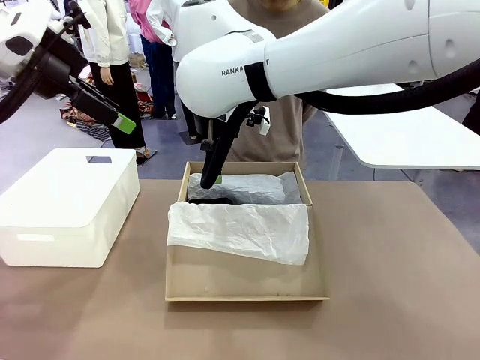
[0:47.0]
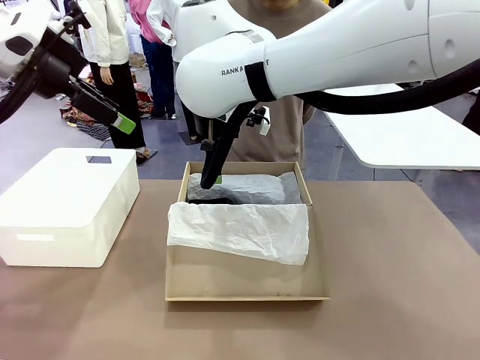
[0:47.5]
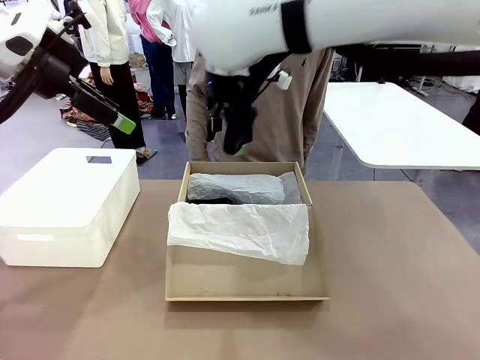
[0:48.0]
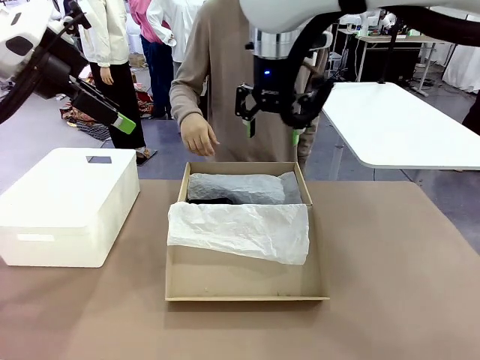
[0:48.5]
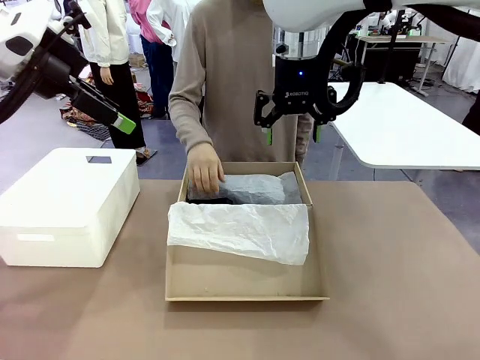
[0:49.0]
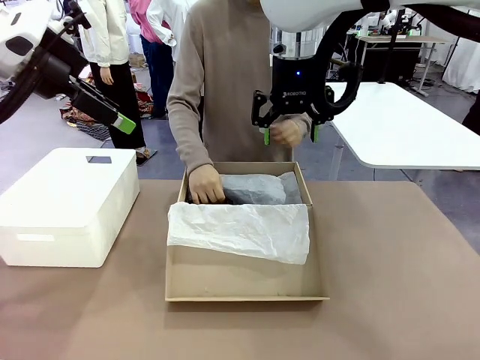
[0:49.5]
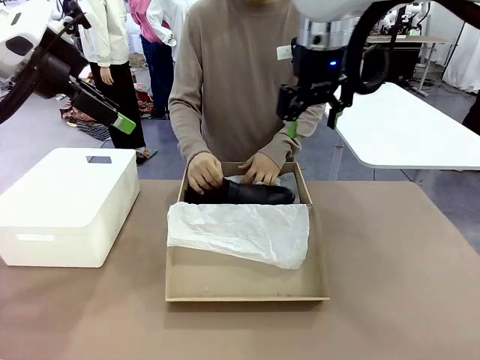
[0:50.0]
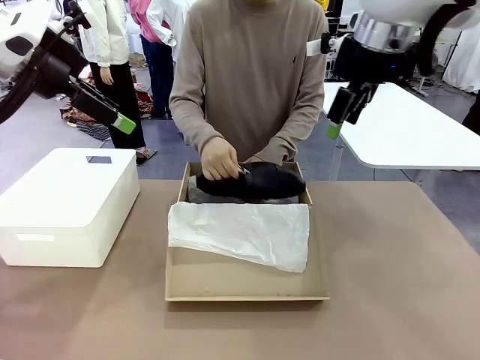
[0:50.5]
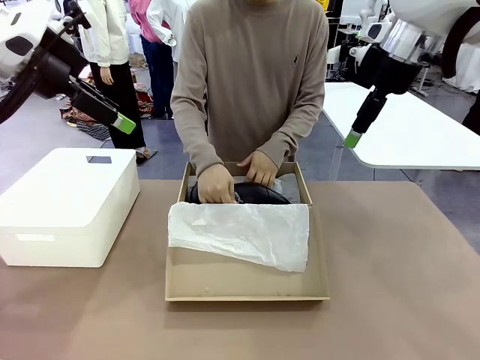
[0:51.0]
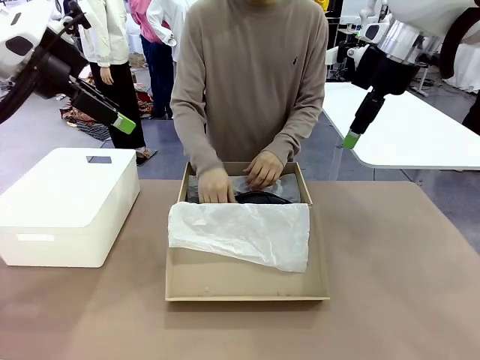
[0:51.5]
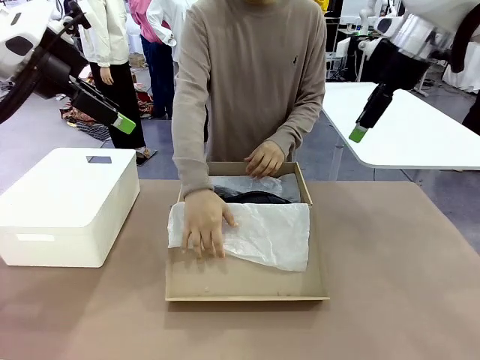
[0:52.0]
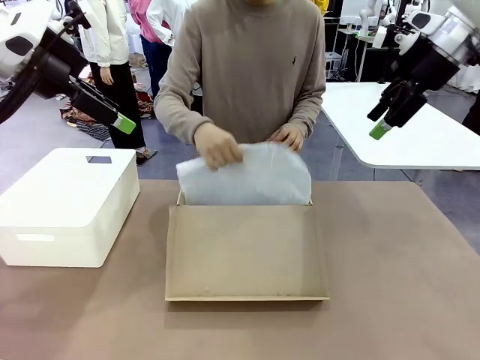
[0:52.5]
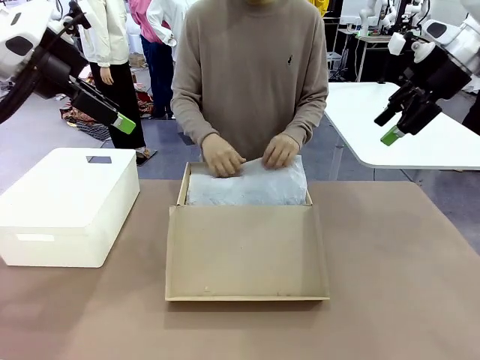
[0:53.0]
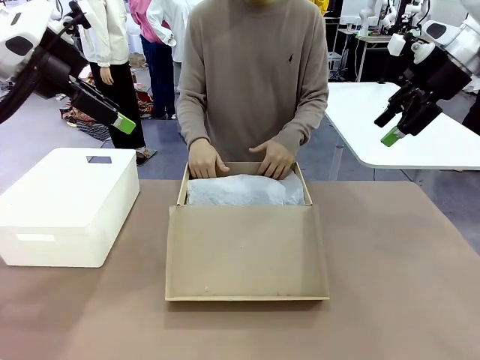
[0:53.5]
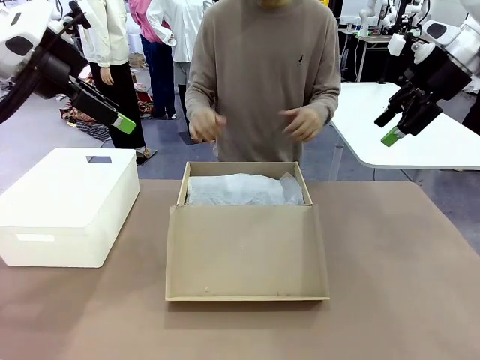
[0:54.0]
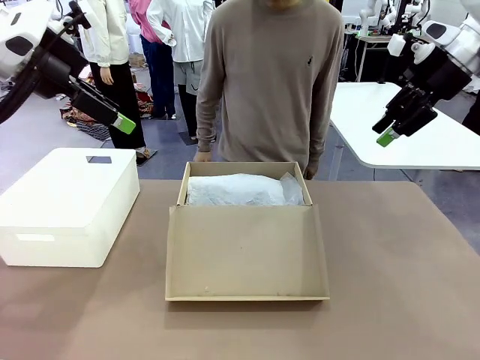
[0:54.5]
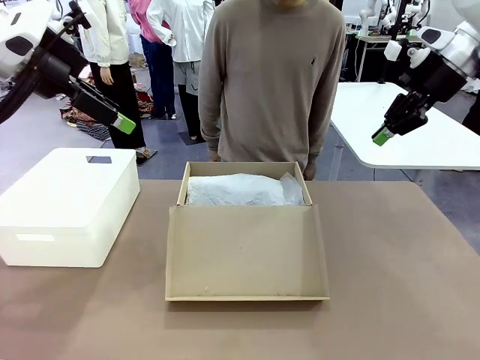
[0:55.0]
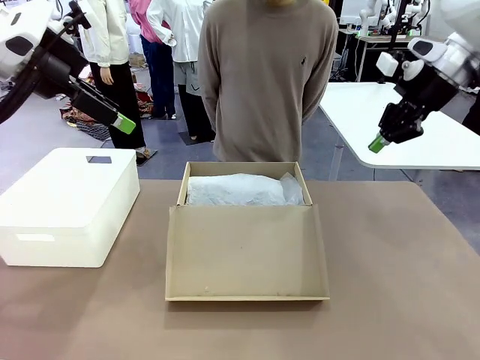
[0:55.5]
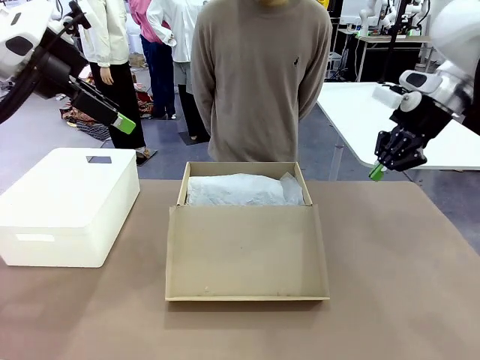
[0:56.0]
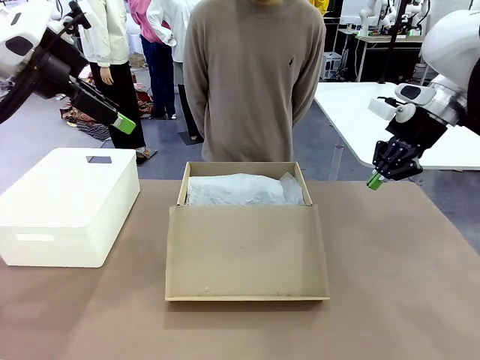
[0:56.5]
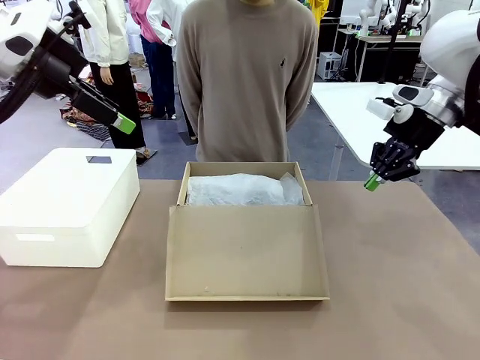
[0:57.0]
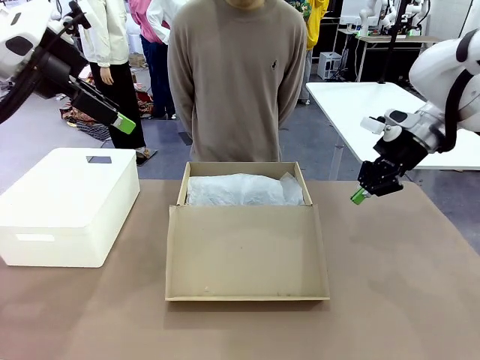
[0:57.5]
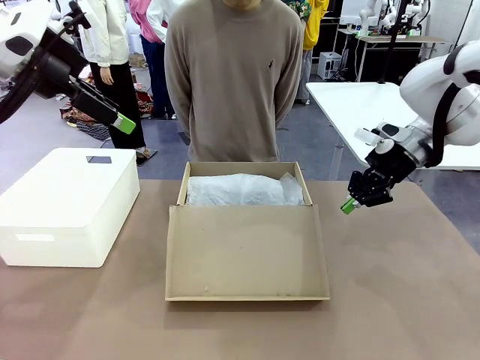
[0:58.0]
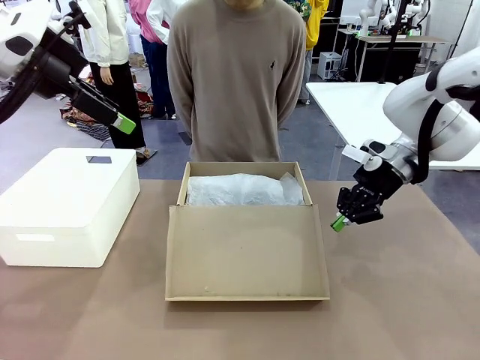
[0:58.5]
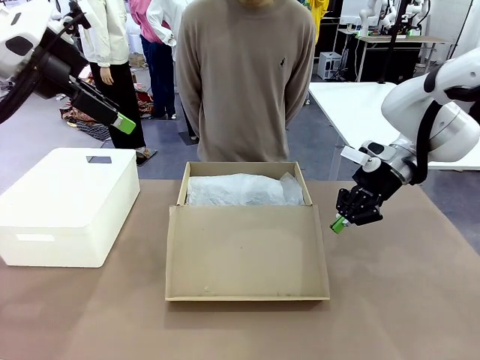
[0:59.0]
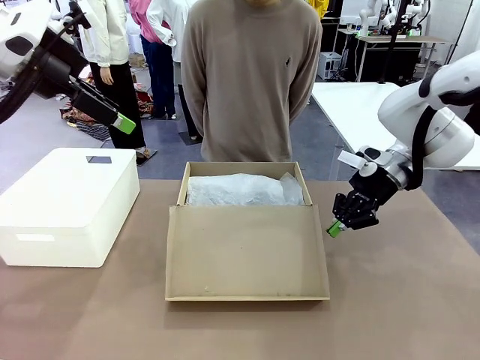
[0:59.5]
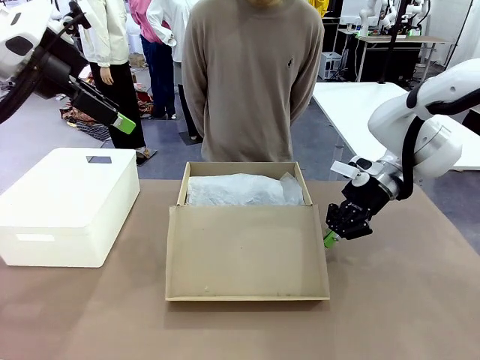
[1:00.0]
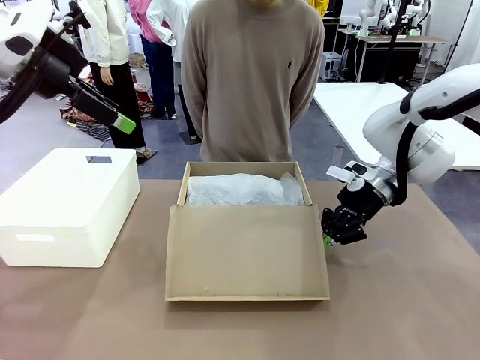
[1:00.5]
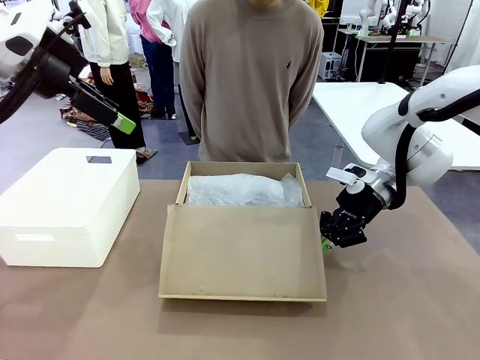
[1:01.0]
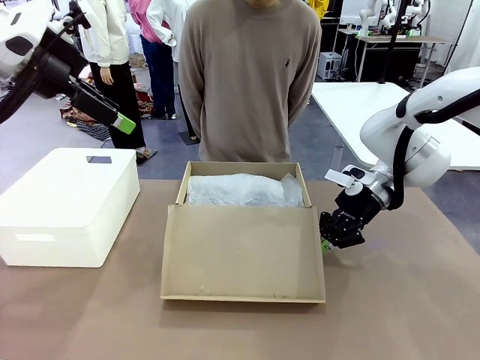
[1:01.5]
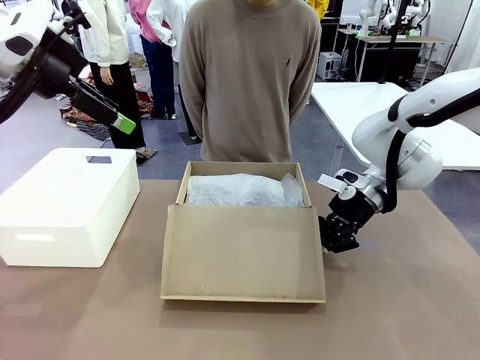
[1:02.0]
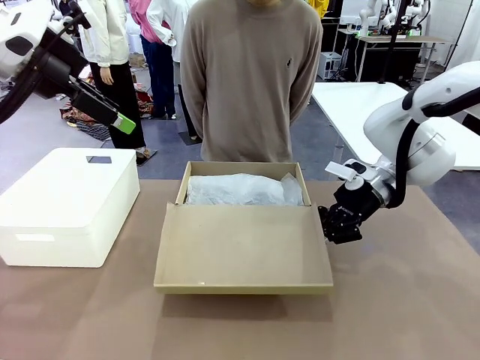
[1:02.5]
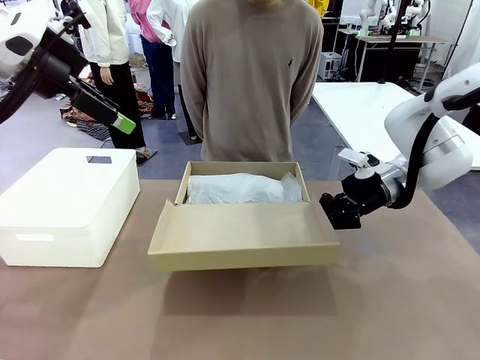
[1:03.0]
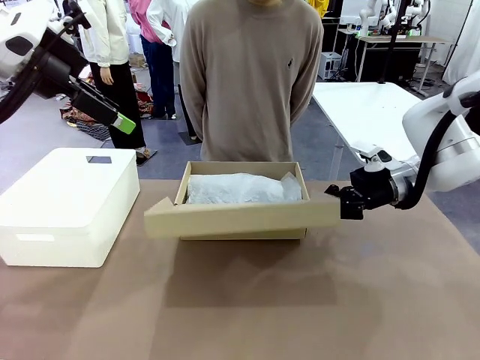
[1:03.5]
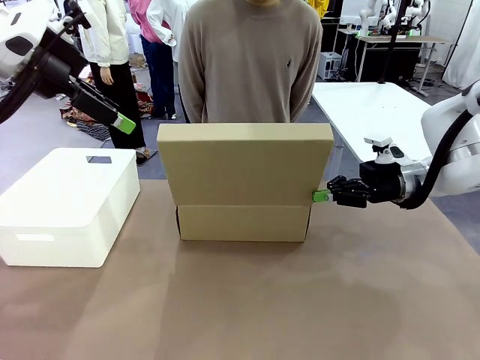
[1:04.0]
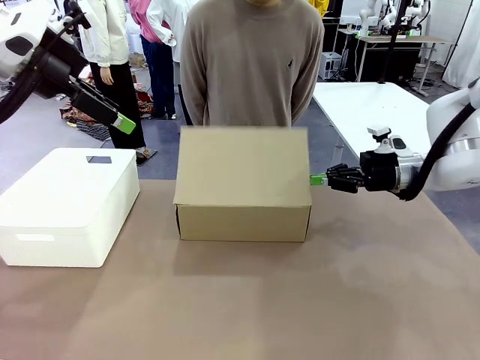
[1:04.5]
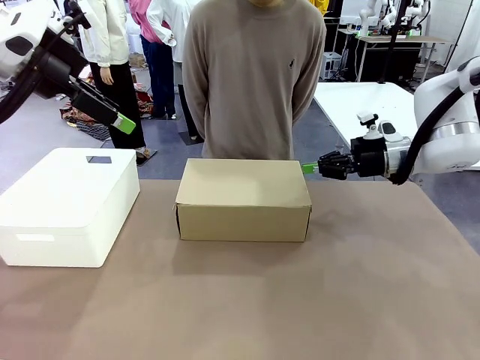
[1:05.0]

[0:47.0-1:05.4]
Task: Pack the shoes into the box.
Robot: Close the Shoes Box.

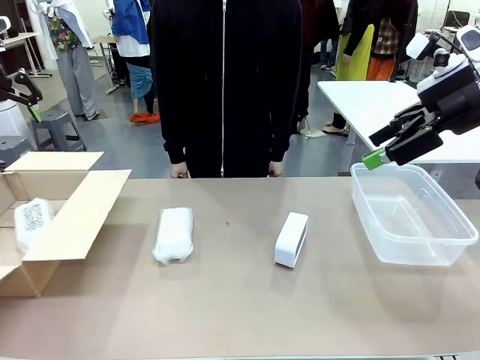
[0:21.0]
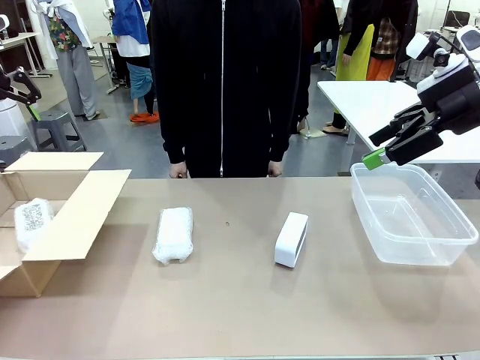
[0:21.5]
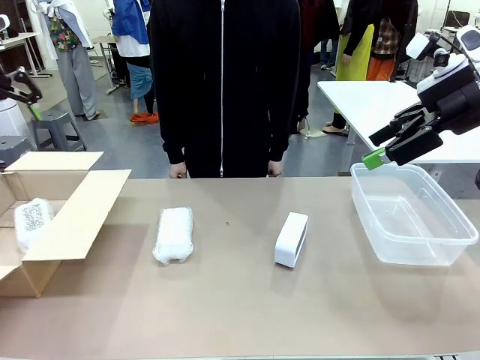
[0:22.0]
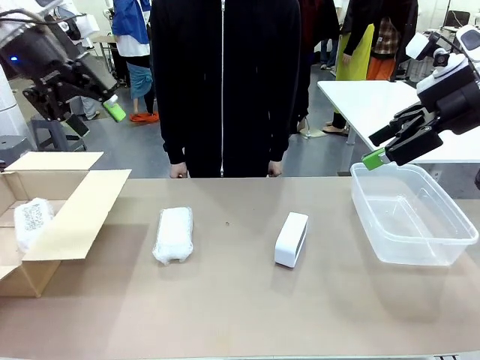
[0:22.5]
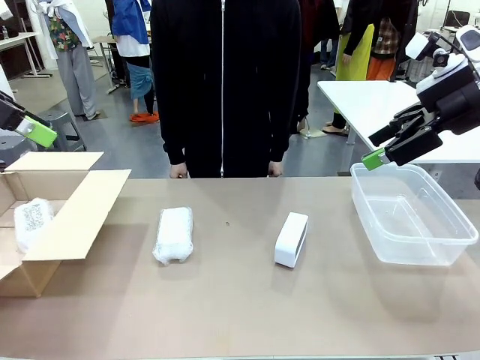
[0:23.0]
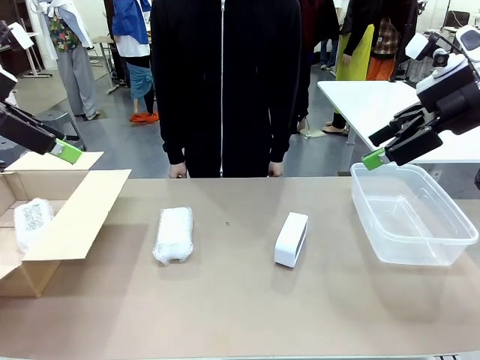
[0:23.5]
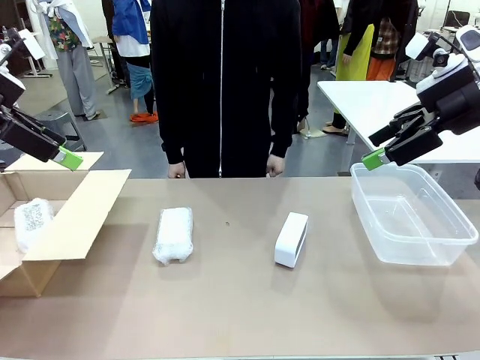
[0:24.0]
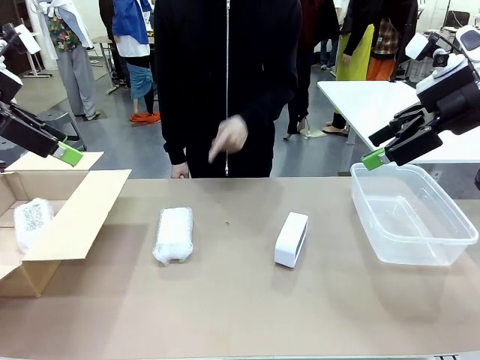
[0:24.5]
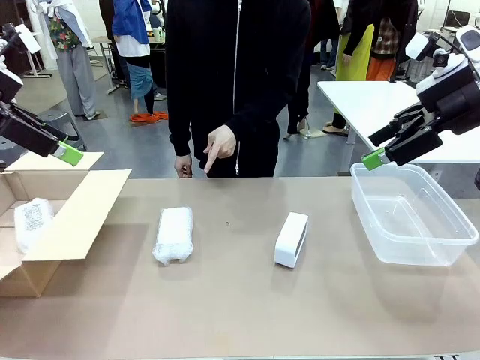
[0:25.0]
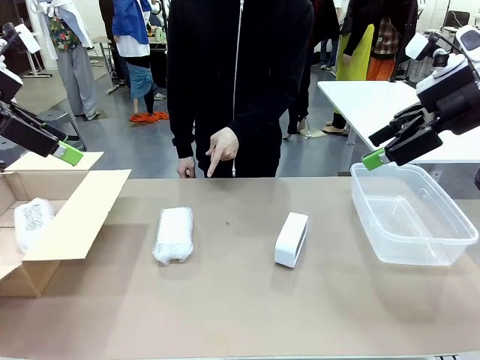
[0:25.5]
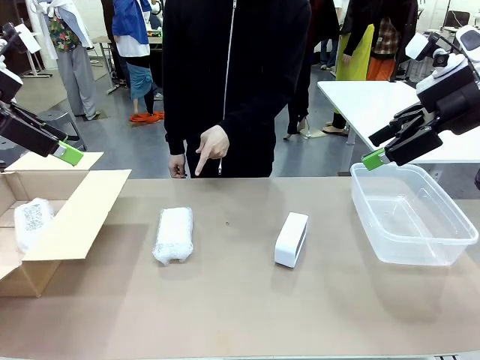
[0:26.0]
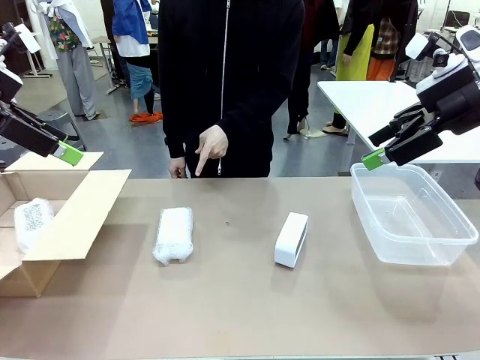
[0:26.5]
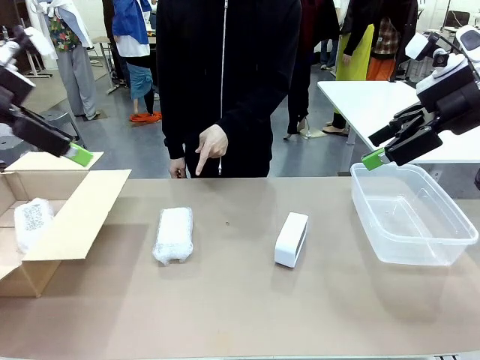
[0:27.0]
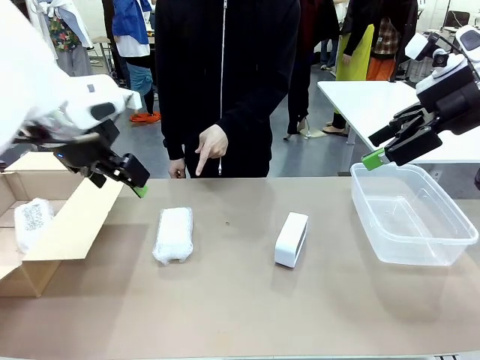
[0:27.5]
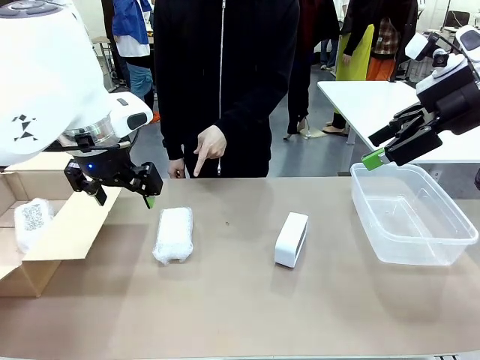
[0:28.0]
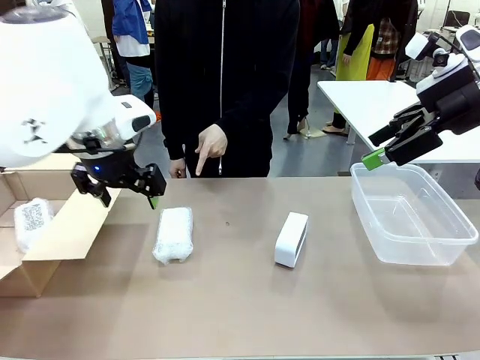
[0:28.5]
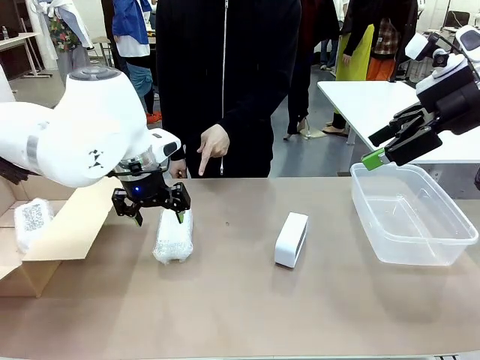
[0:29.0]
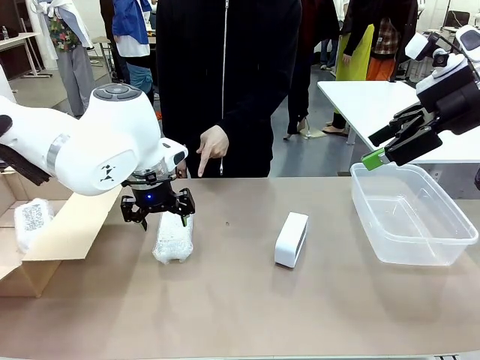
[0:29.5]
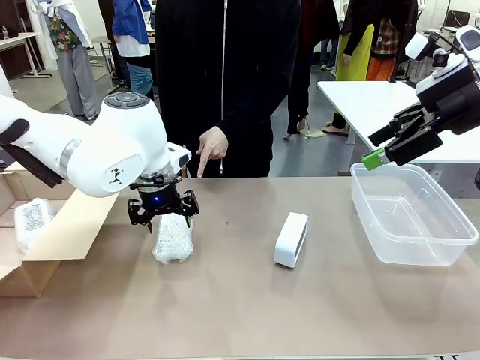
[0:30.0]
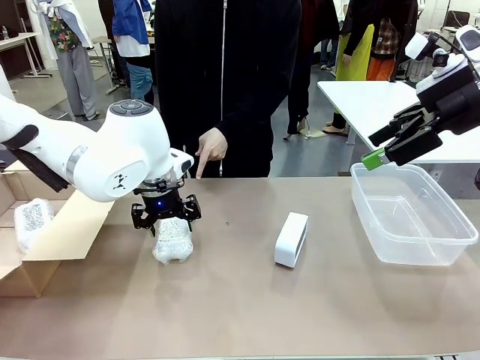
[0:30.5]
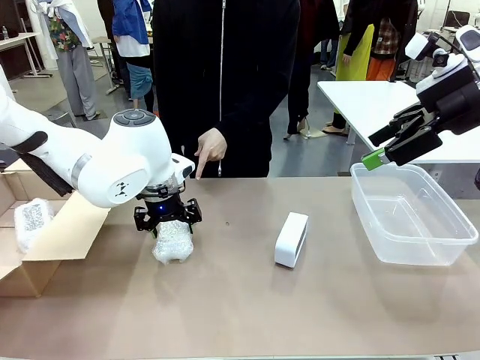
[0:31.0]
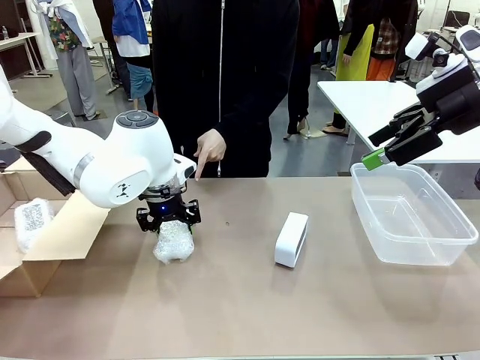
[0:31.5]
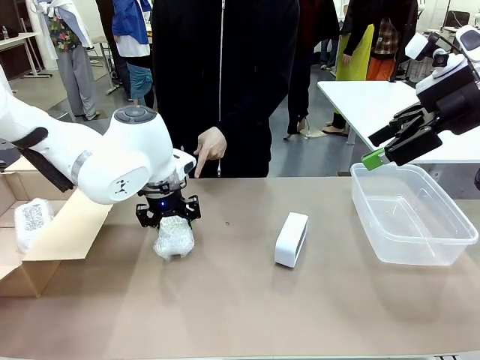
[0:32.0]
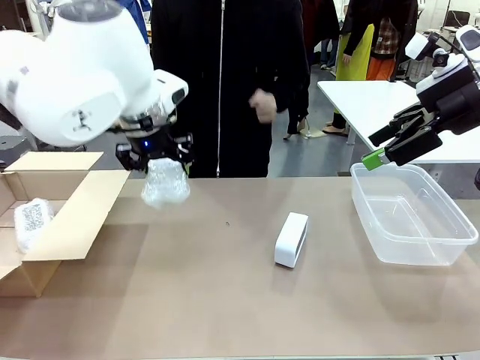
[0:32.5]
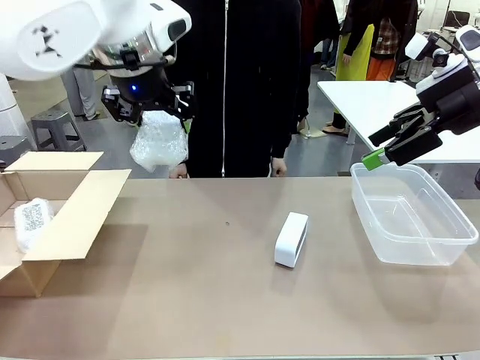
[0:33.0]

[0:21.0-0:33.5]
Task: Separate and place wrapped and unwrapped clocks.
Robot: Pick up the Digital clock indicated by the person.
